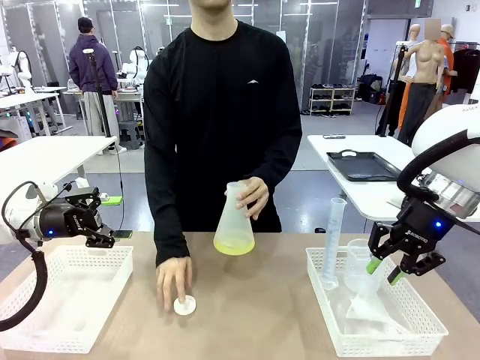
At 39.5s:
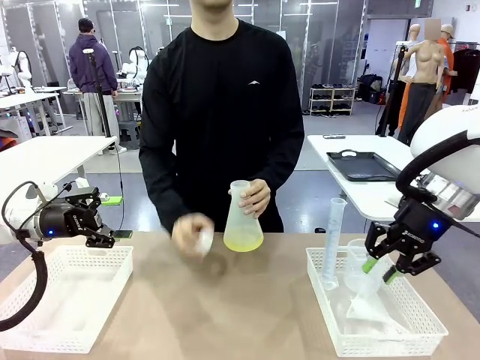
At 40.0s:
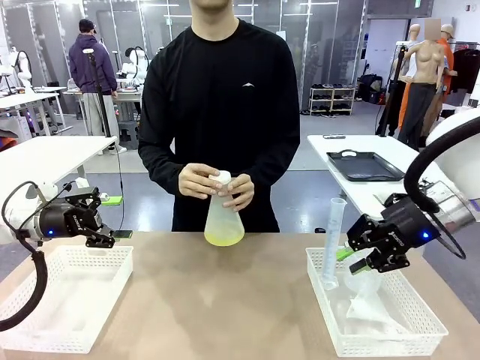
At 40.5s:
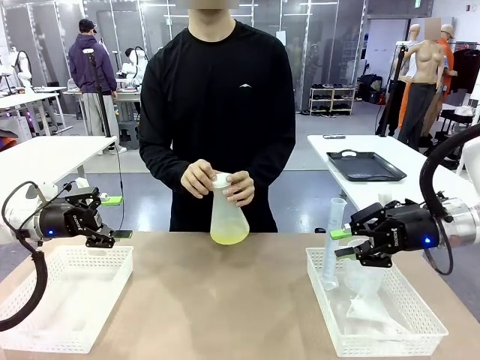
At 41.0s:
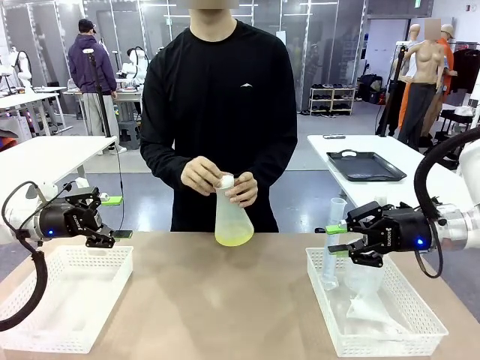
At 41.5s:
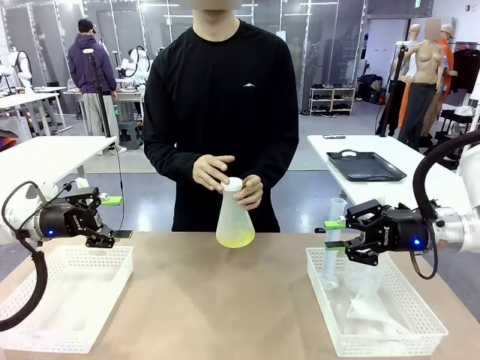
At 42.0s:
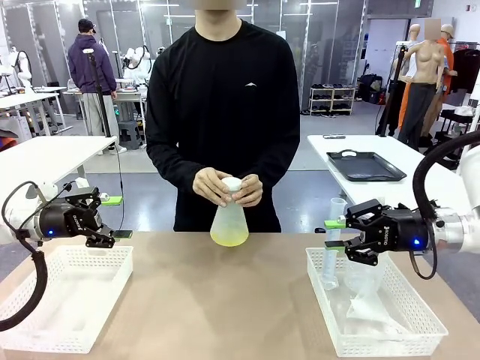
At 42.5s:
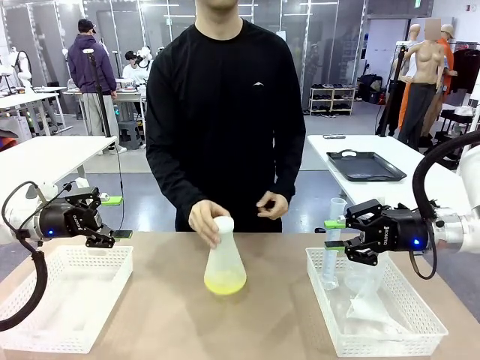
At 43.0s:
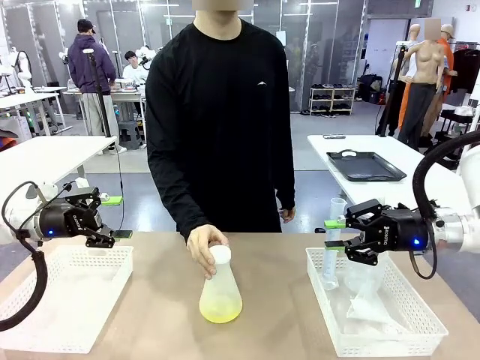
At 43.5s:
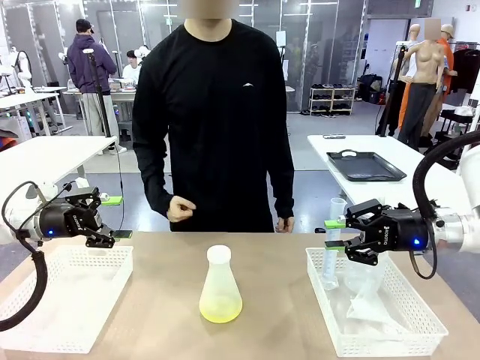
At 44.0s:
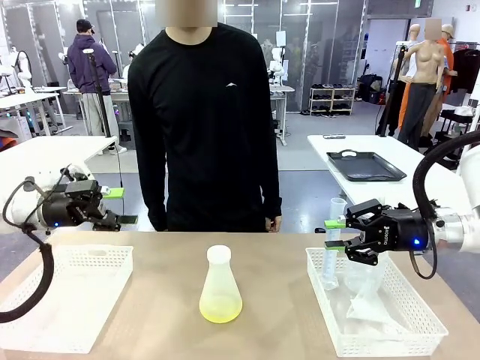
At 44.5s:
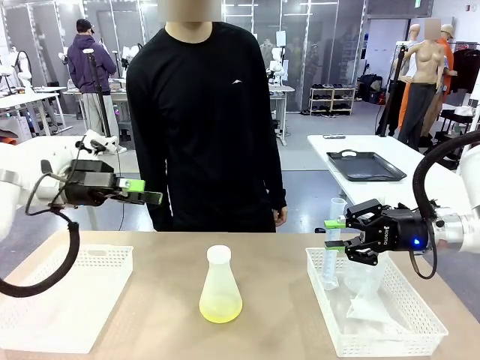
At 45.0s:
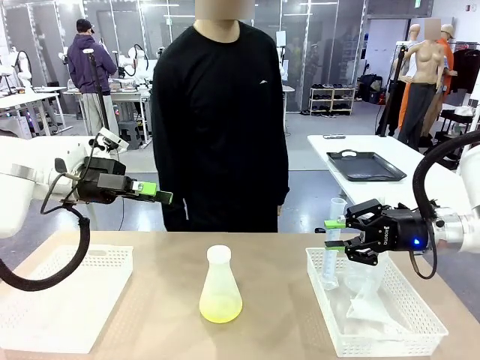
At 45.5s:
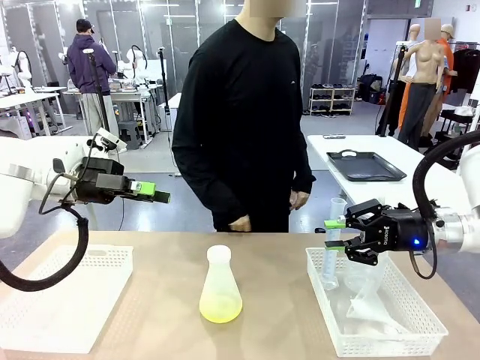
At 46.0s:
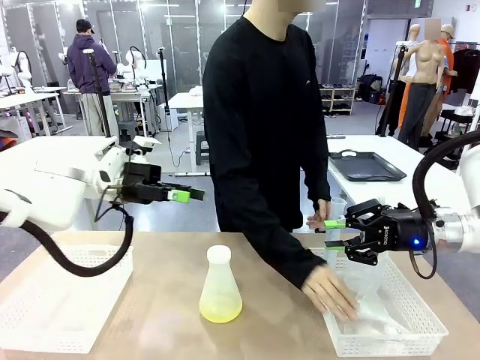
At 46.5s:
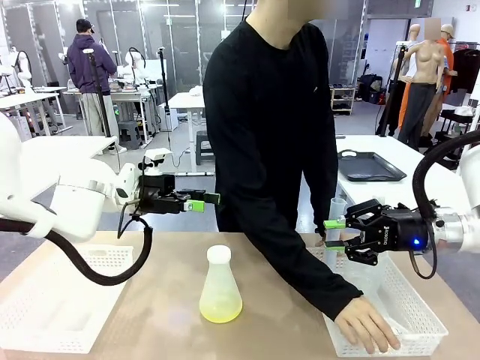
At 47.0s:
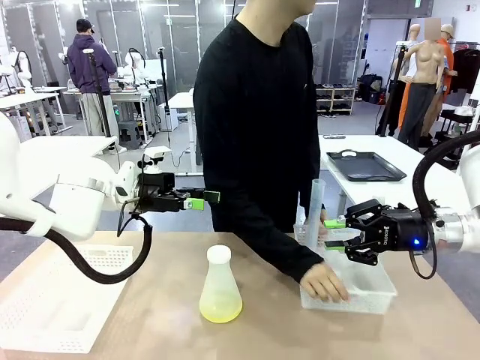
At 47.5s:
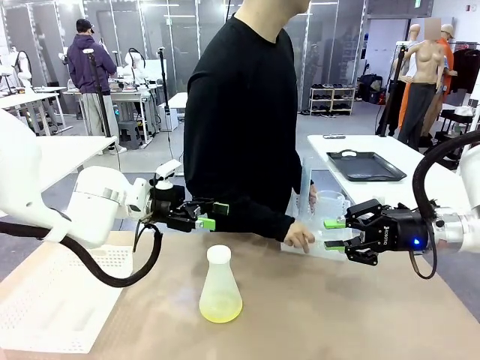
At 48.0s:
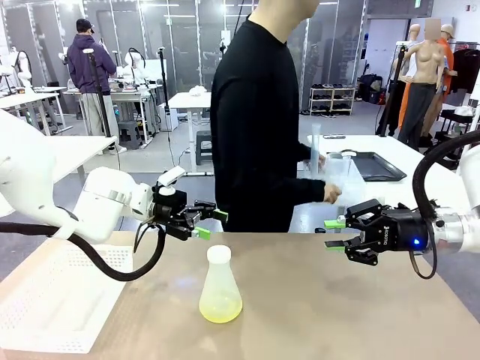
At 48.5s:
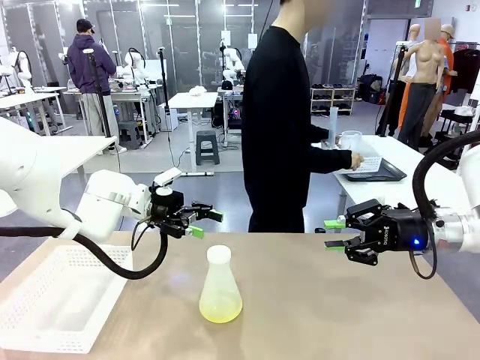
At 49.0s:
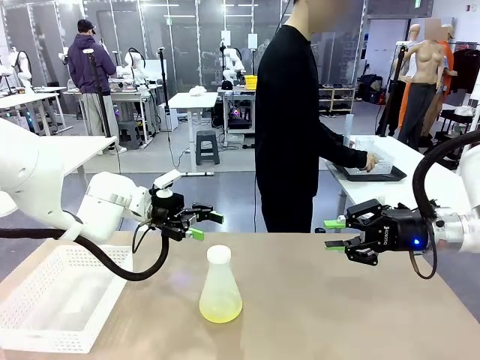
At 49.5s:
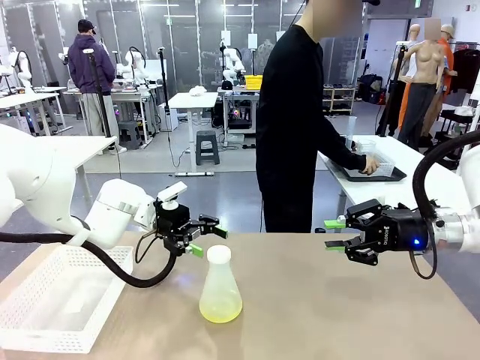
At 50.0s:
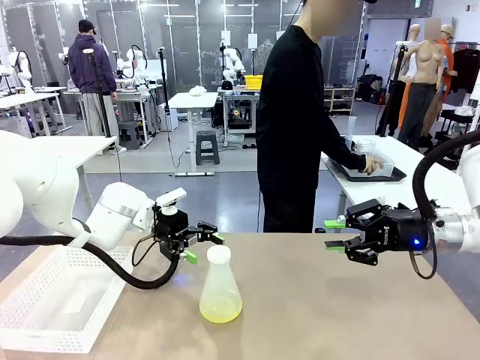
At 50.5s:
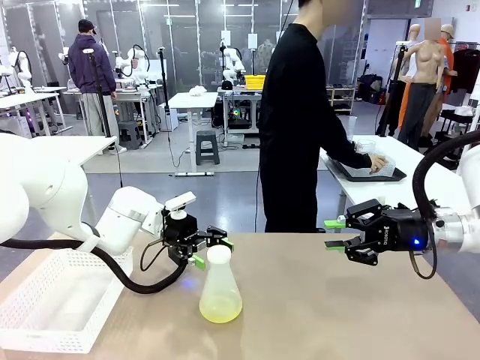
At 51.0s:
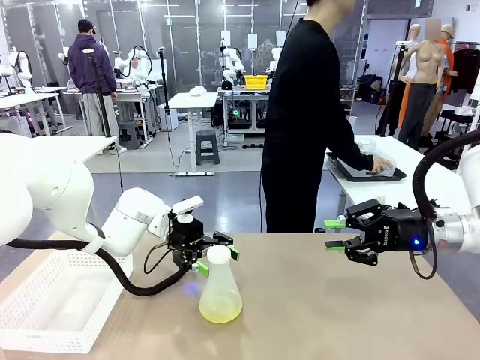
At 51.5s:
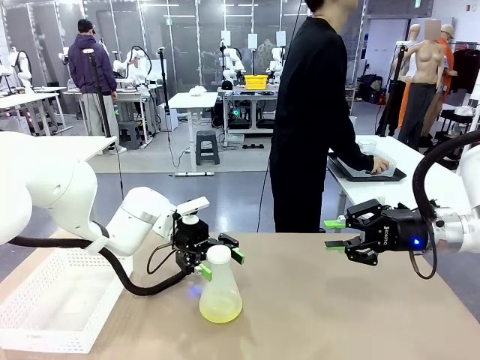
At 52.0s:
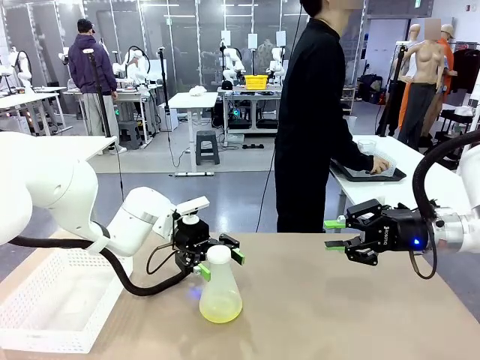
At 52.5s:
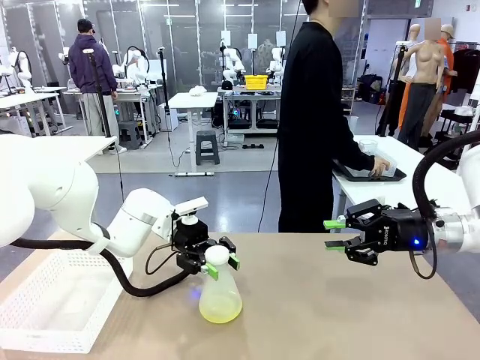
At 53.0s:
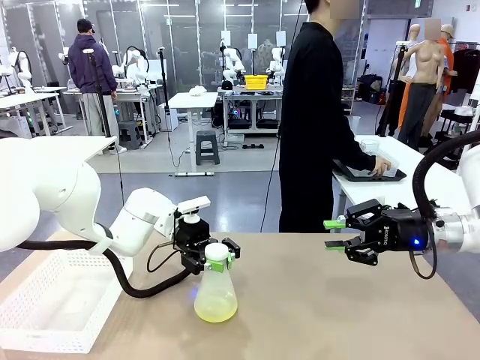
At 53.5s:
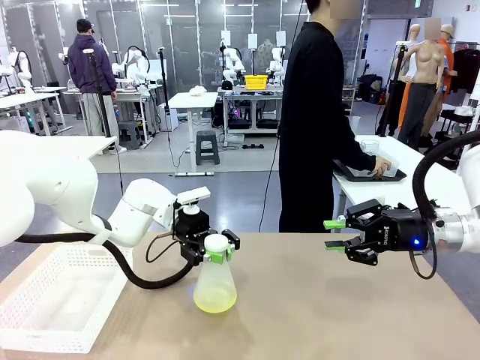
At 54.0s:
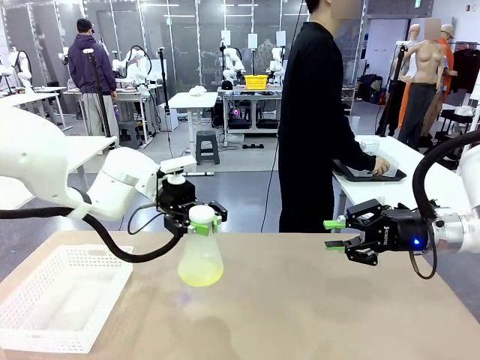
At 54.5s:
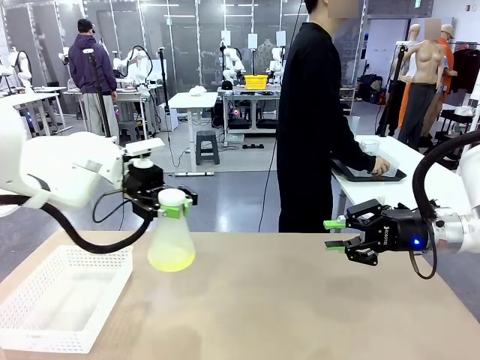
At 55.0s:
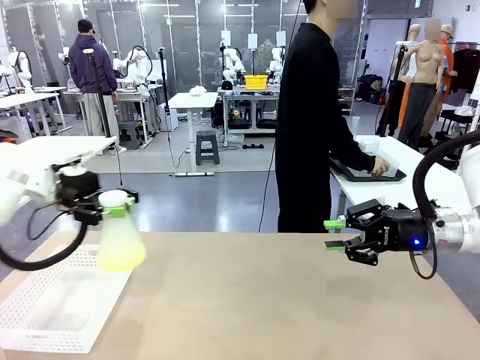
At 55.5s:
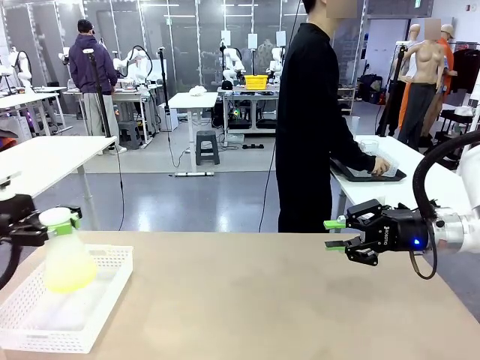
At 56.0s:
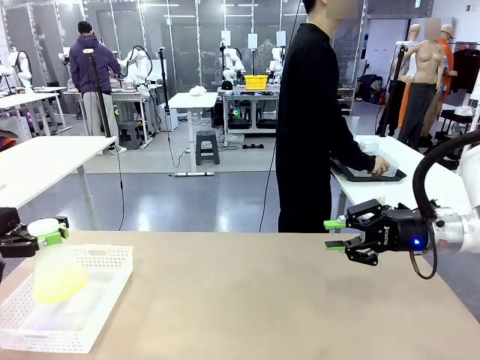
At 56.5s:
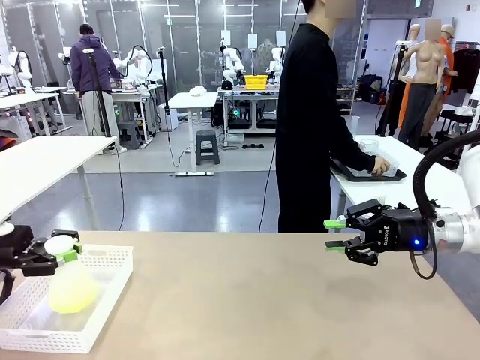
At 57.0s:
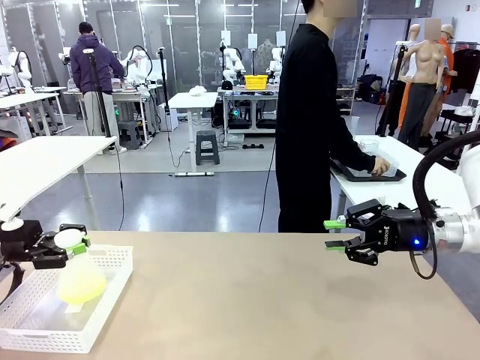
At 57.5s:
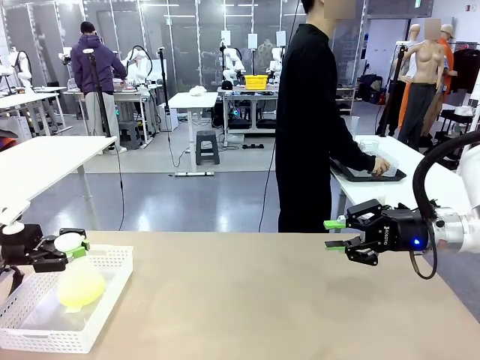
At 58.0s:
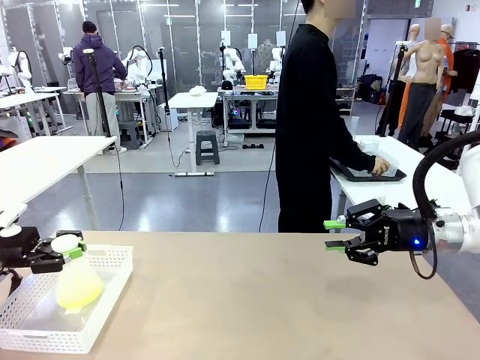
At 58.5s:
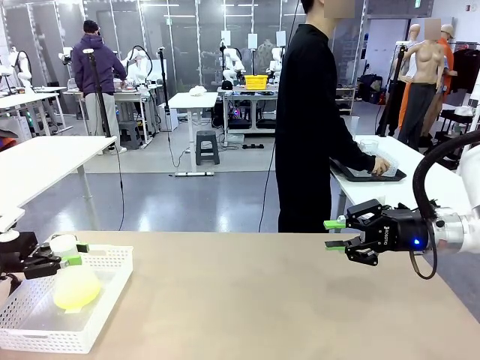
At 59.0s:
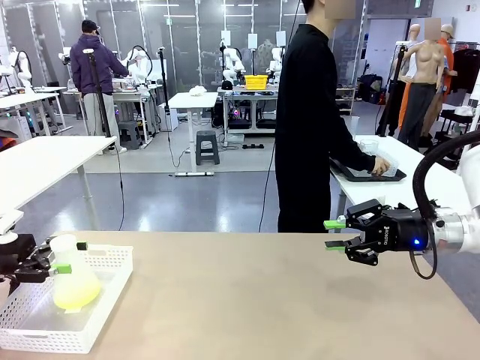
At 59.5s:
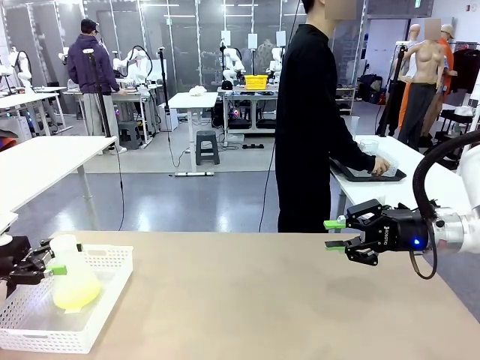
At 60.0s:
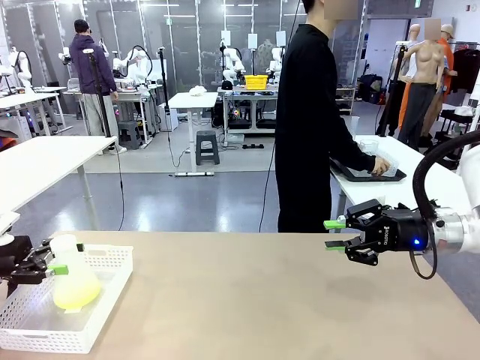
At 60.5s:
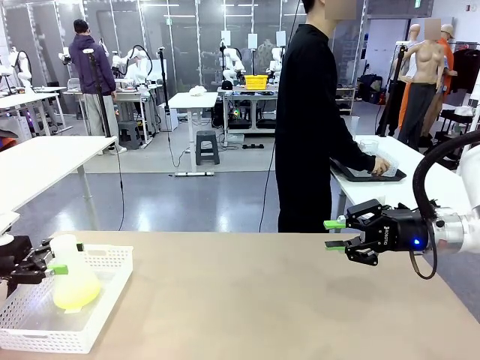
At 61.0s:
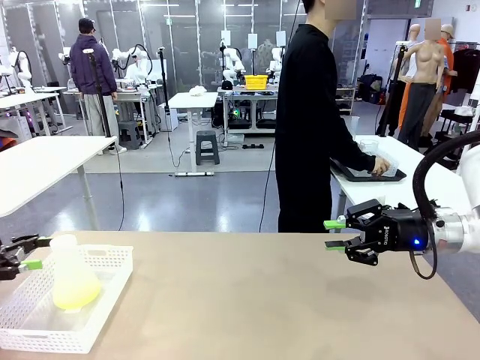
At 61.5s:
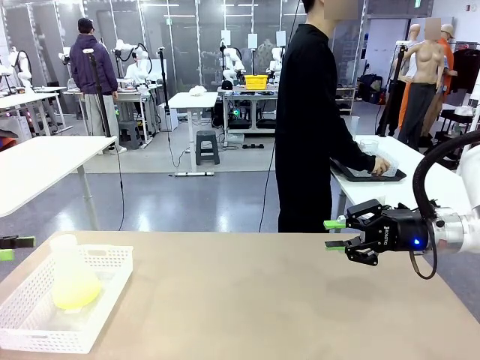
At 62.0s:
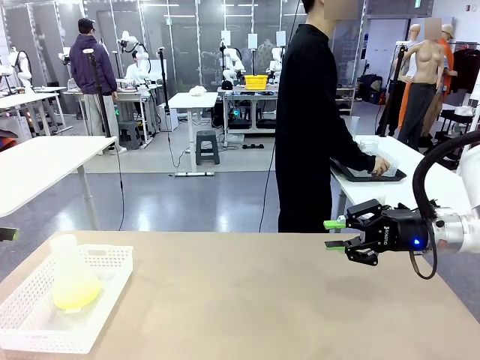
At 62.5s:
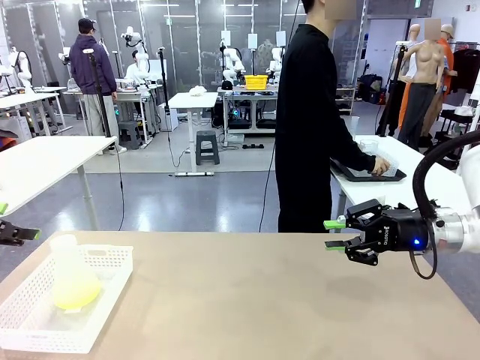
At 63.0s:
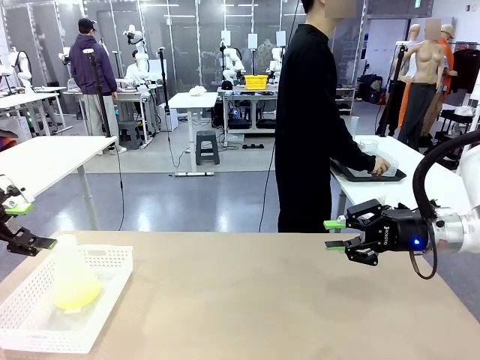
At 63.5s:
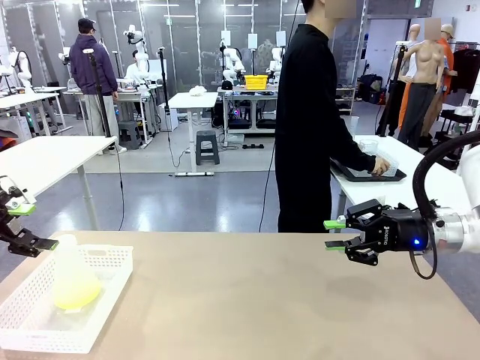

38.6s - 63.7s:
Task: Prepare the solutions needed for the experiment.
Robot: When the human places the Big flask in the center of the table, pick up the Big flask and place it in the left Organizing basket.
Person: Pick up the organizing basket on the left side of the robot table and place it on the left side of the human table.
